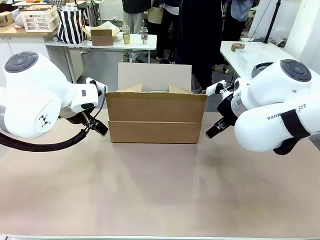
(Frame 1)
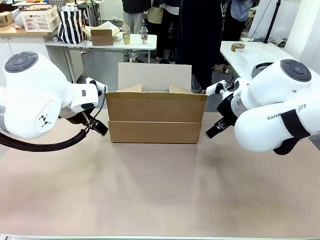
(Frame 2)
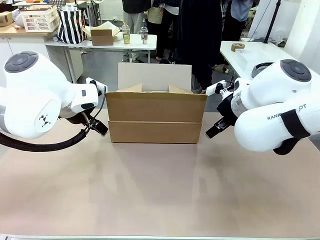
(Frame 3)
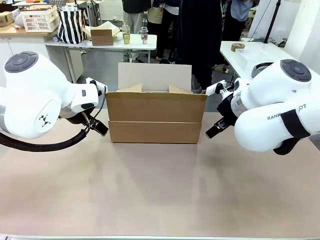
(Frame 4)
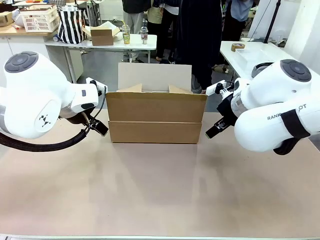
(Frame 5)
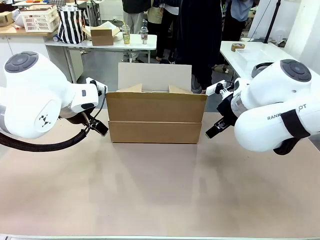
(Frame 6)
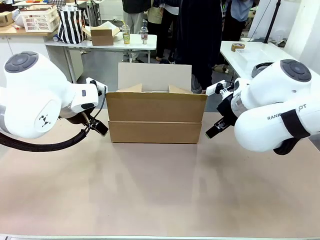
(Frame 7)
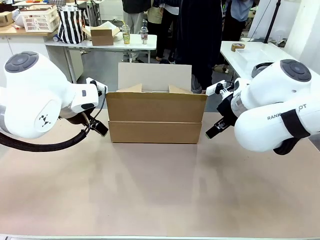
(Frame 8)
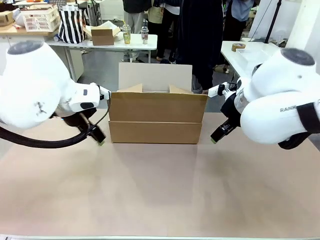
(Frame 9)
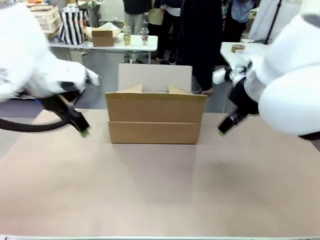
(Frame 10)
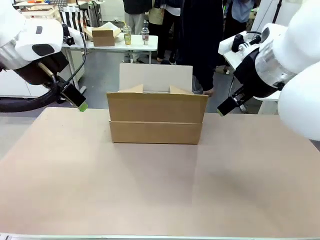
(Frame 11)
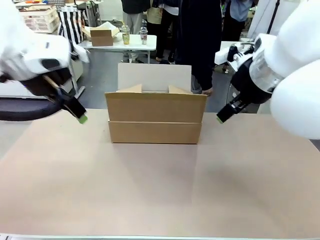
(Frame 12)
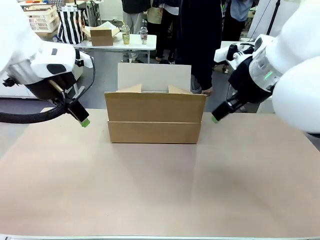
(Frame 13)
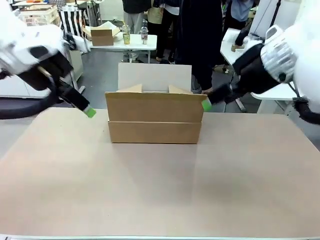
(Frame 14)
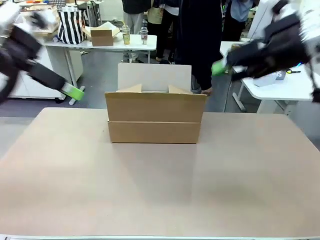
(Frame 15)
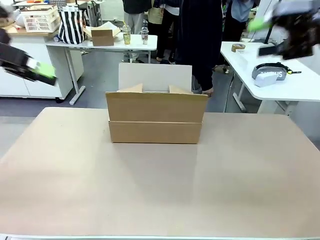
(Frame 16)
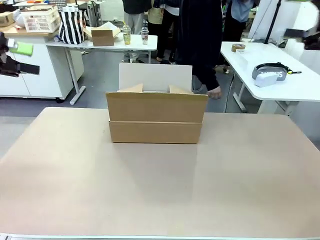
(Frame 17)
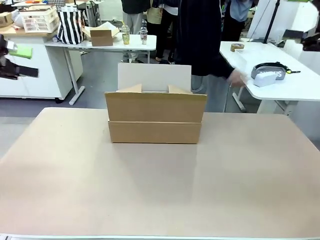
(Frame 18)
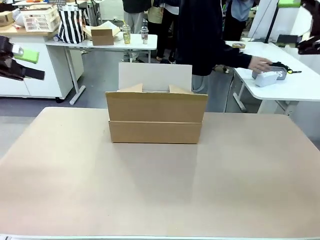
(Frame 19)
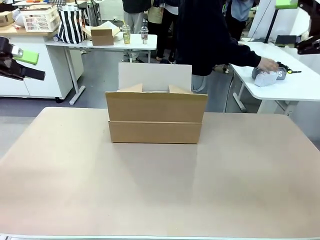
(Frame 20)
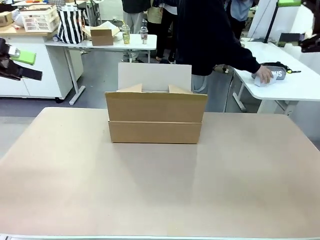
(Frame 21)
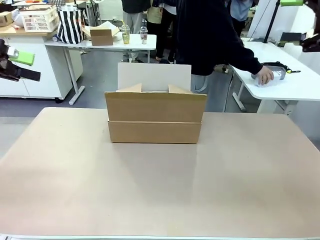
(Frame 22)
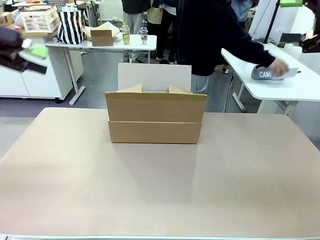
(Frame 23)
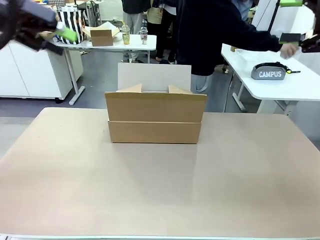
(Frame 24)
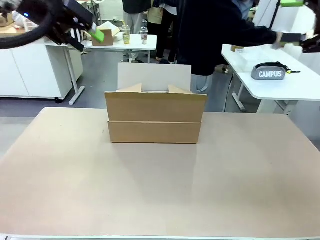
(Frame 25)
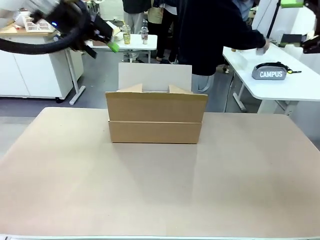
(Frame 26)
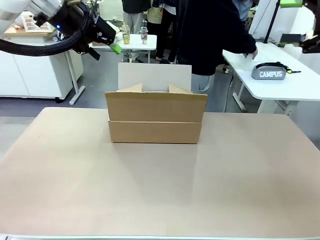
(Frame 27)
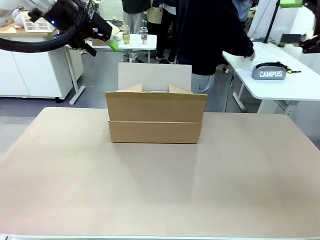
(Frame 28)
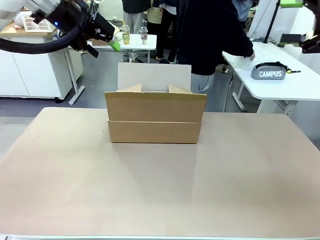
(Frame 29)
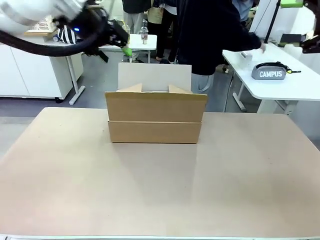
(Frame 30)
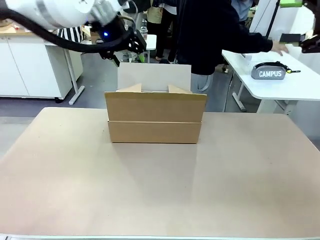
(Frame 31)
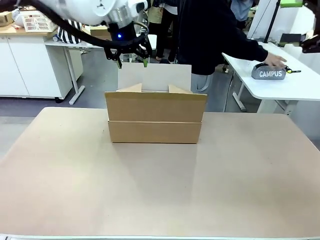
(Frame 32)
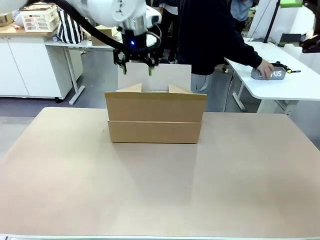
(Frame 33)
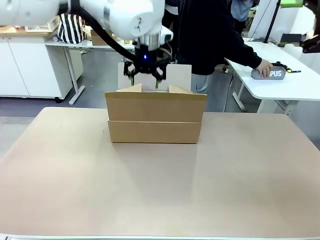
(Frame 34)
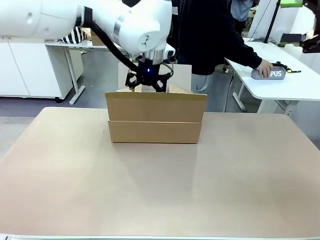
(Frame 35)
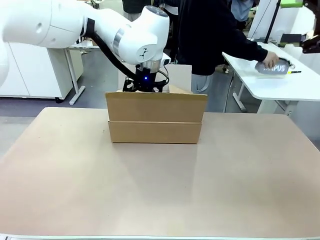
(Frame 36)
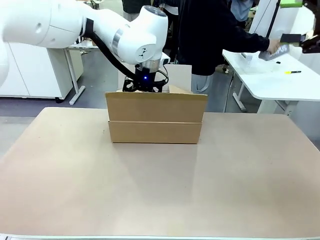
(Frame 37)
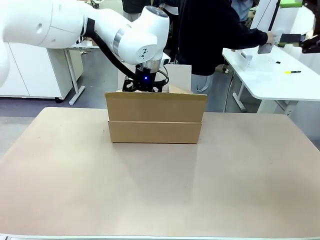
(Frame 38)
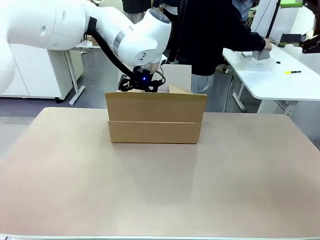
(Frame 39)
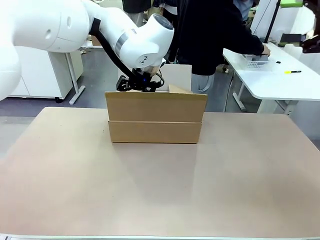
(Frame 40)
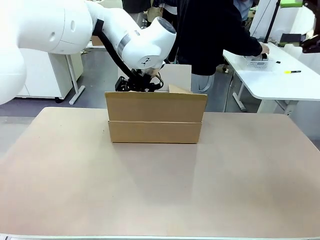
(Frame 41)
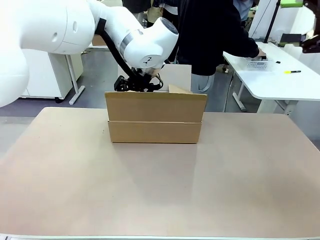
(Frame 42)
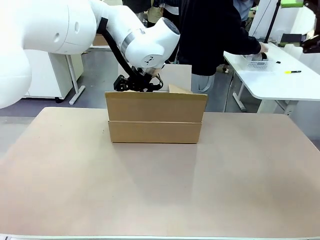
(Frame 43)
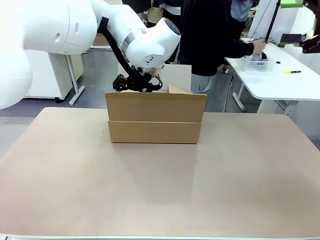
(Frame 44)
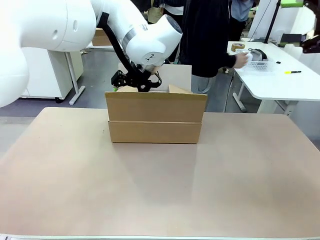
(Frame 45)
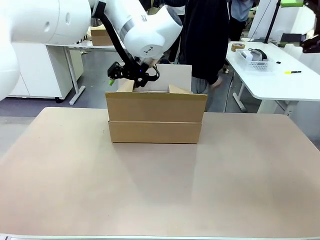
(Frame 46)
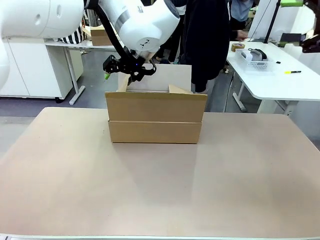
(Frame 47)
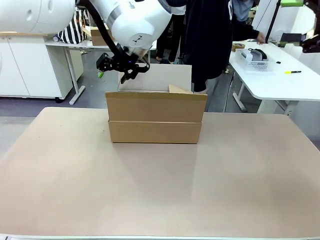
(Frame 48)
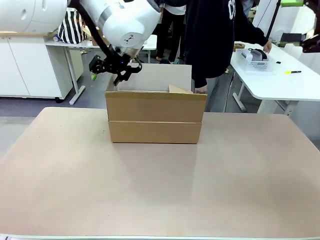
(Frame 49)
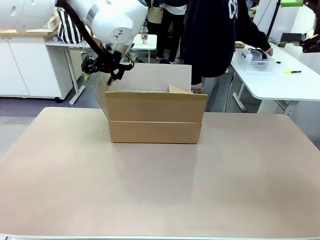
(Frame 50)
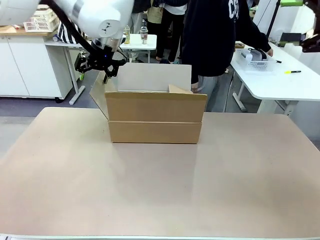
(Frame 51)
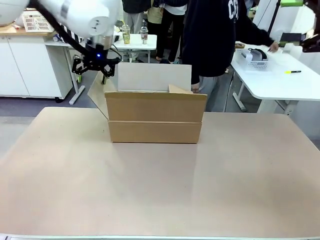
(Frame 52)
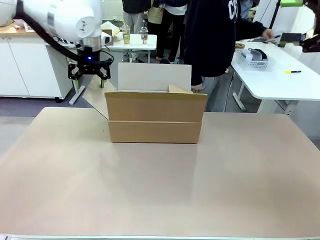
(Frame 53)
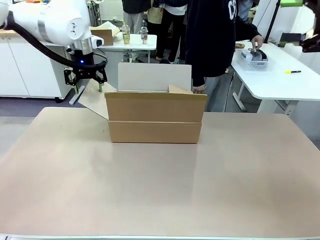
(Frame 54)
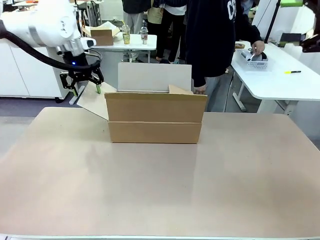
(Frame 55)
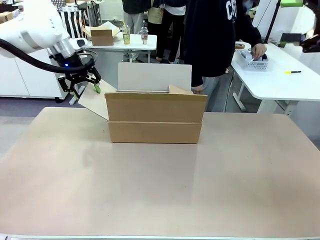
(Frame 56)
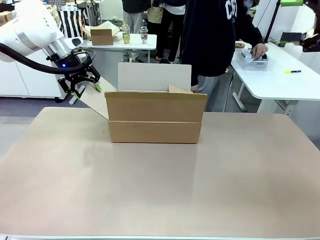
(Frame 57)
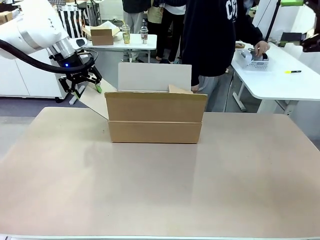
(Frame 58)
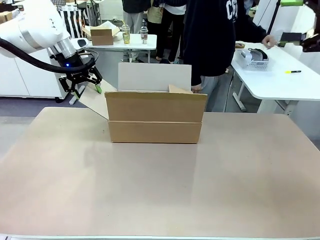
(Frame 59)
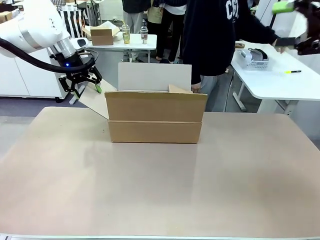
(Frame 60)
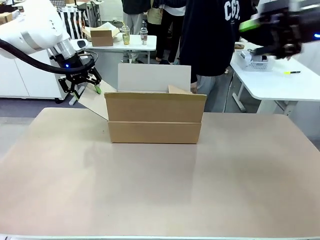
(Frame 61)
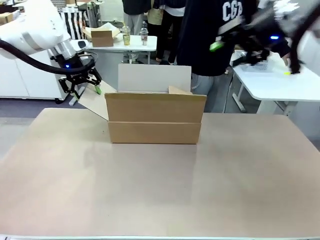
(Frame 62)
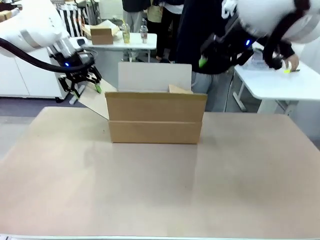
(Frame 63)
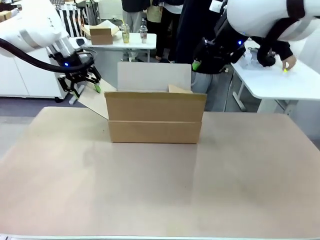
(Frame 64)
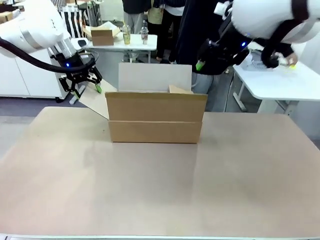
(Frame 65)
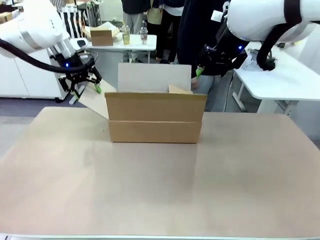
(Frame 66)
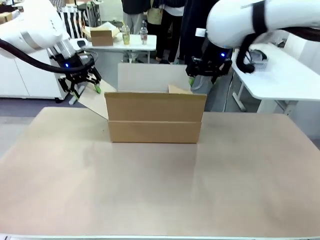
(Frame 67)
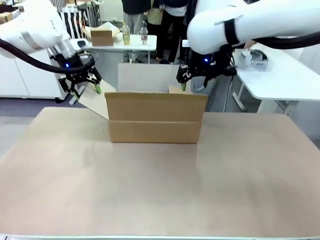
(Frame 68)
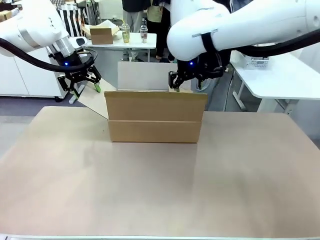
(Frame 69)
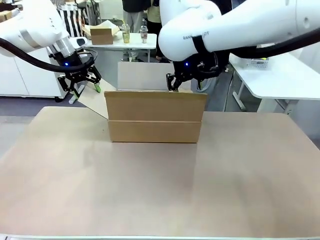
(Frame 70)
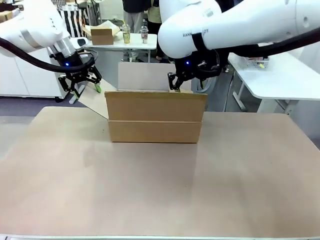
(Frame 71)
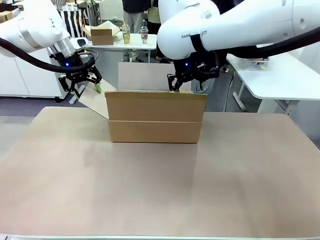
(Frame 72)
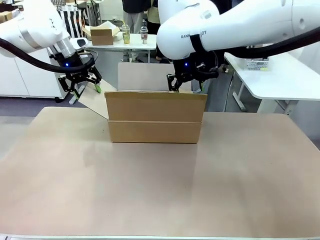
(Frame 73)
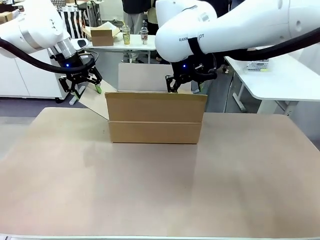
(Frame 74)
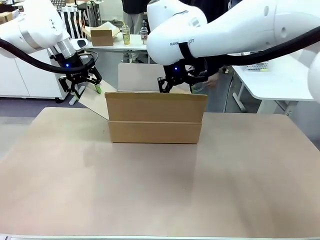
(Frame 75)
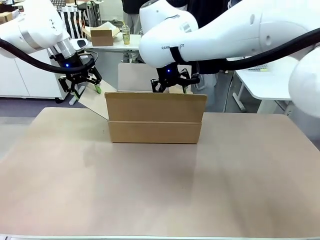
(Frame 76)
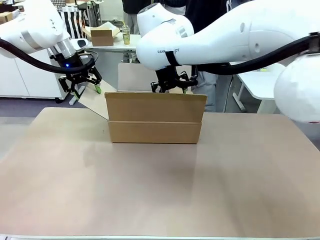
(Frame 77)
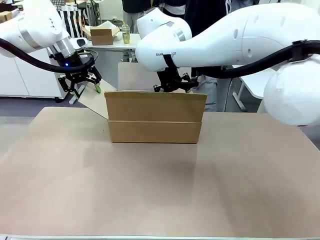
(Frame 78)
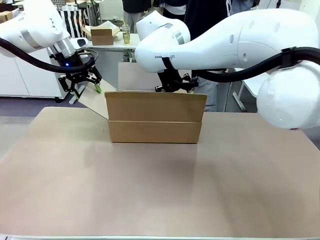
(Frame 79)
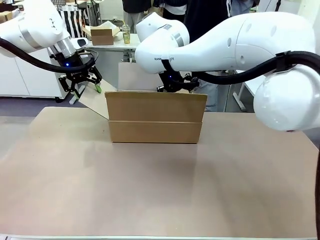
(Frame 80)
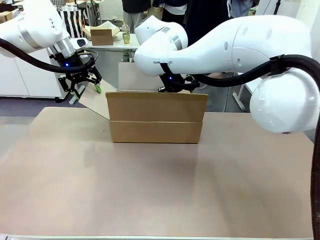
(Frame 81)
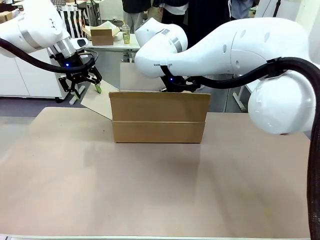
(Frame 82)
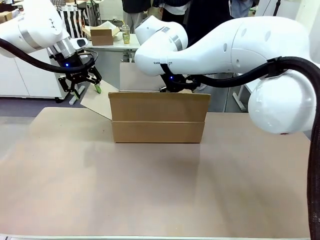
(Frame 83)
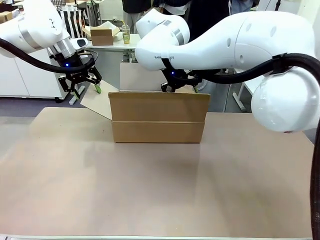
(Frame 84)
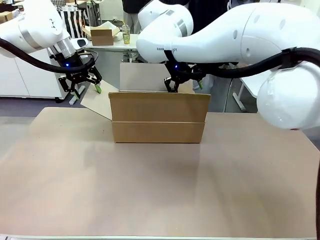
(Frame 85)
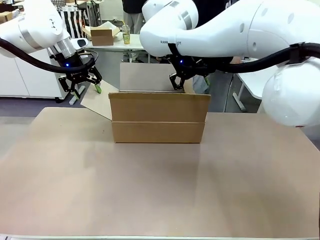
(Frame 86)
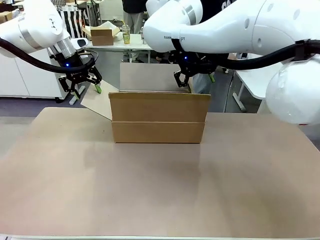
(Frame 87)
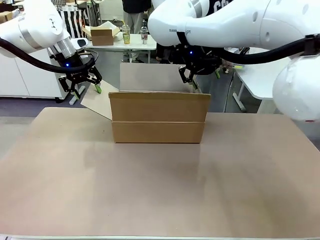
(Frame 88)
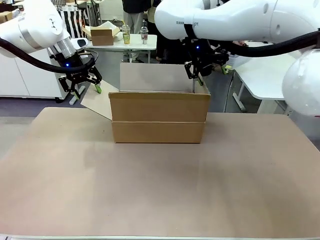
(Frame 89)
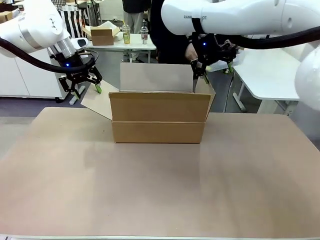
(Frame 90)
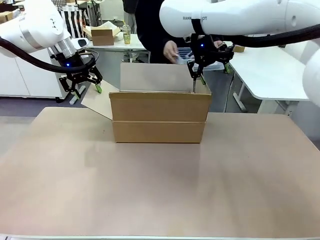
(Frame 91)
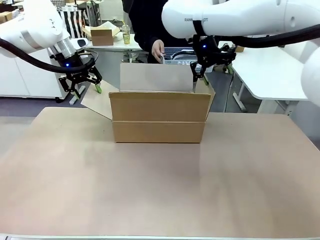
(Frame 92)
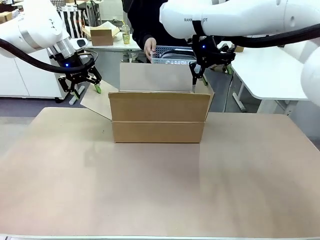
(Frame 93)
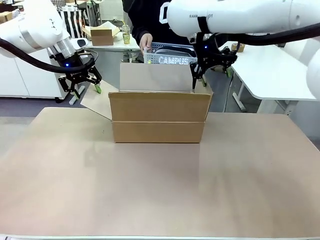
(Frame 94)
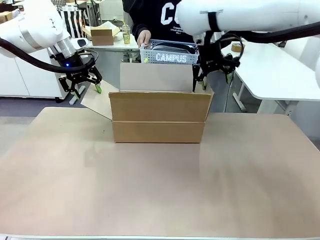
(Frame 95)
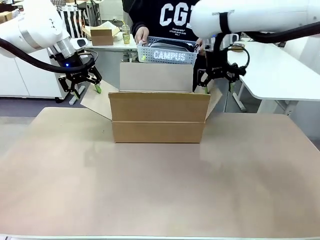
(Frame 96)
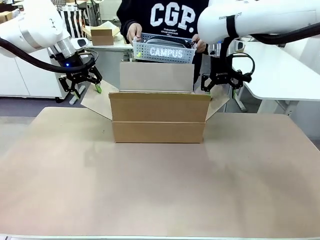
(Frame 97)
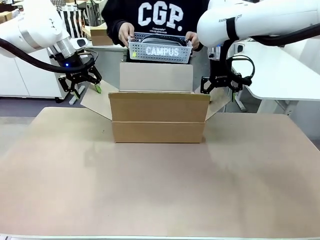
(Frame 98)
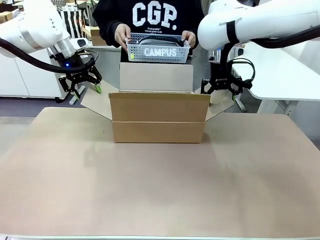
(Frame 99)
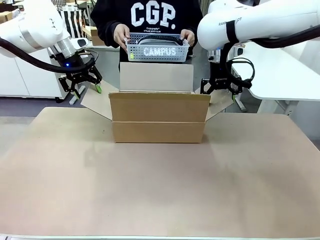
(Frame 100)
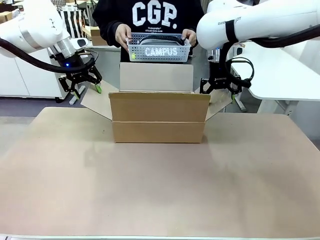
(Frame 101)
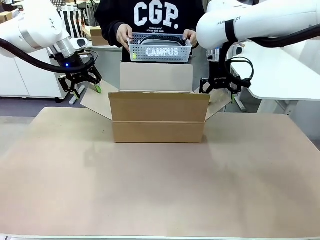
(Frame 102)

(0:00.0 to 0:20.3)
Task: Pack the gift set into the box.
Robot: Place both hands on the side flaps of the Package Box and spread them outward.
Person: The human places all items except the paper tape into the organizing basket. The human picks up the organizing basket and places the organizing basket into the package box on the robot table.
